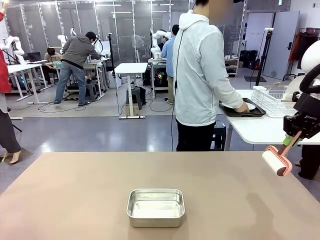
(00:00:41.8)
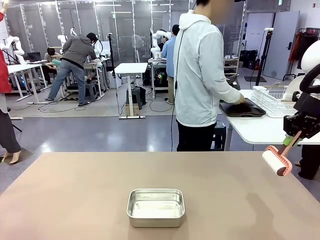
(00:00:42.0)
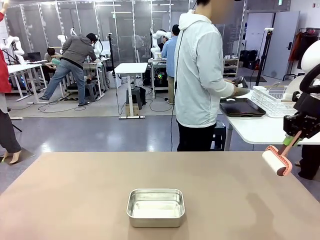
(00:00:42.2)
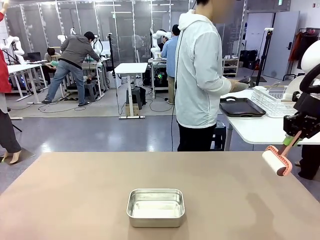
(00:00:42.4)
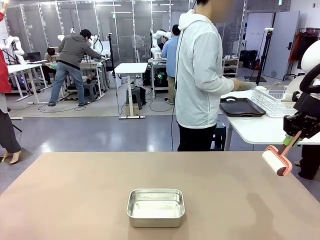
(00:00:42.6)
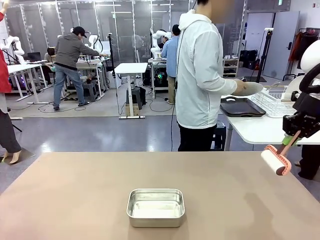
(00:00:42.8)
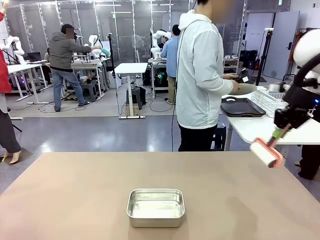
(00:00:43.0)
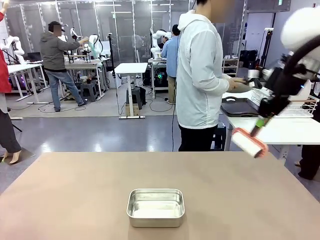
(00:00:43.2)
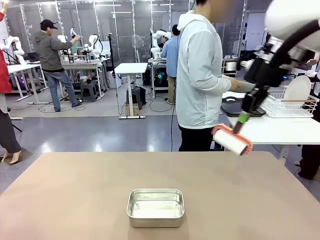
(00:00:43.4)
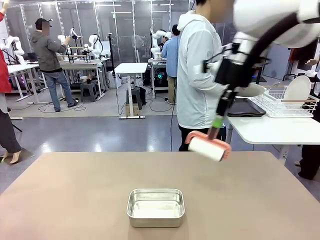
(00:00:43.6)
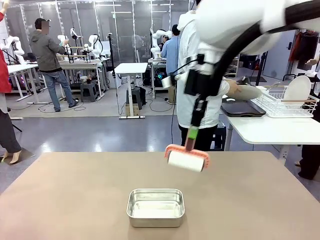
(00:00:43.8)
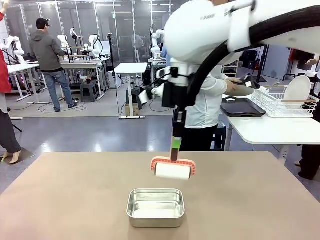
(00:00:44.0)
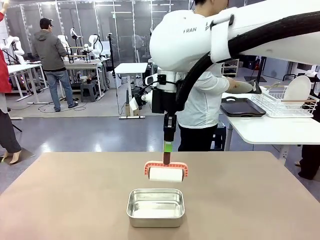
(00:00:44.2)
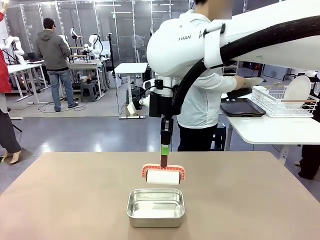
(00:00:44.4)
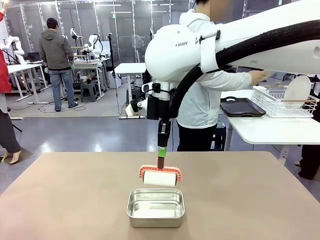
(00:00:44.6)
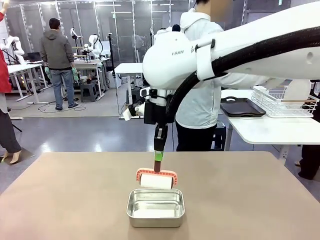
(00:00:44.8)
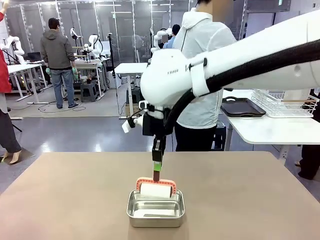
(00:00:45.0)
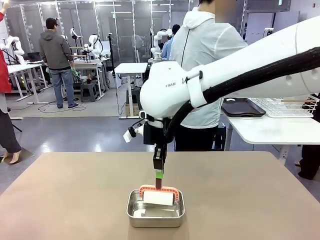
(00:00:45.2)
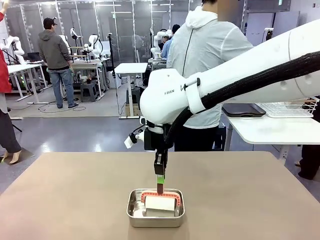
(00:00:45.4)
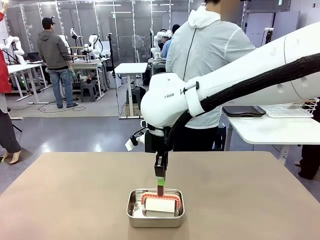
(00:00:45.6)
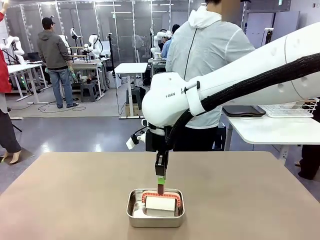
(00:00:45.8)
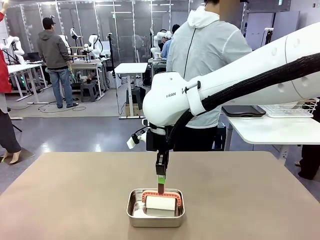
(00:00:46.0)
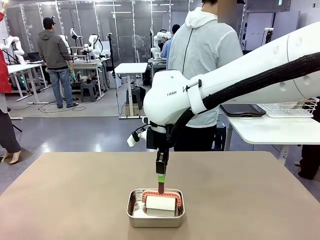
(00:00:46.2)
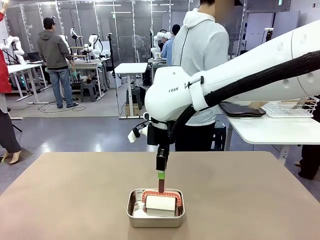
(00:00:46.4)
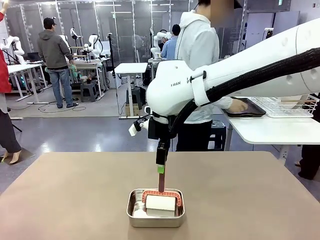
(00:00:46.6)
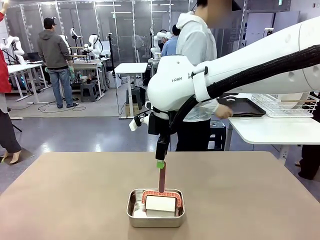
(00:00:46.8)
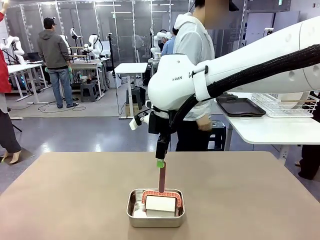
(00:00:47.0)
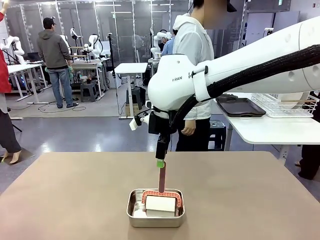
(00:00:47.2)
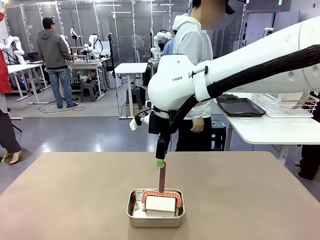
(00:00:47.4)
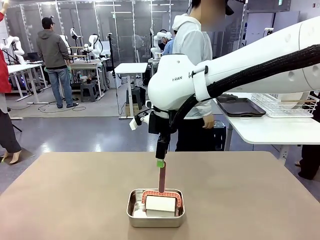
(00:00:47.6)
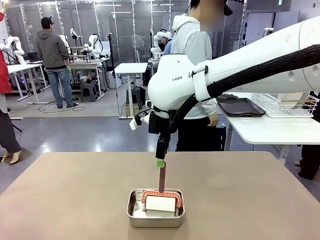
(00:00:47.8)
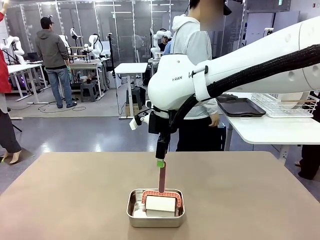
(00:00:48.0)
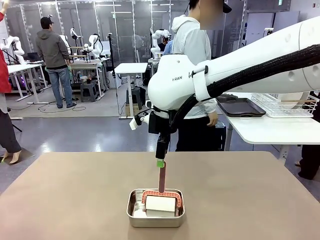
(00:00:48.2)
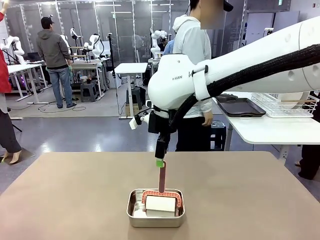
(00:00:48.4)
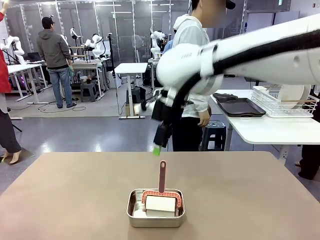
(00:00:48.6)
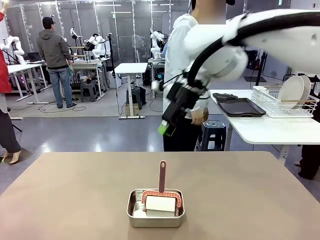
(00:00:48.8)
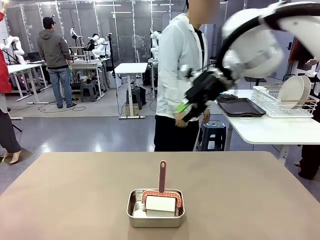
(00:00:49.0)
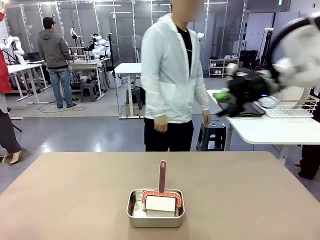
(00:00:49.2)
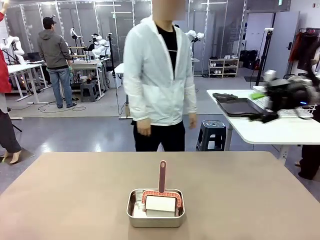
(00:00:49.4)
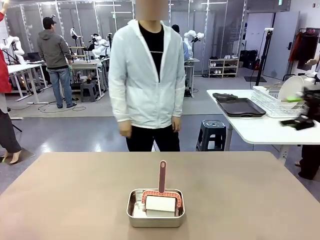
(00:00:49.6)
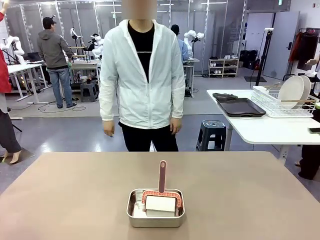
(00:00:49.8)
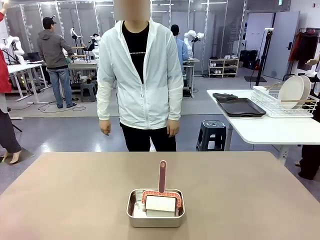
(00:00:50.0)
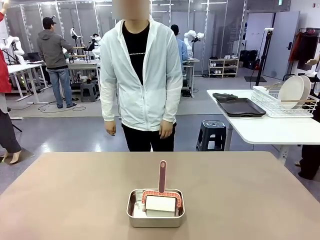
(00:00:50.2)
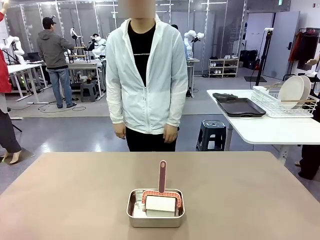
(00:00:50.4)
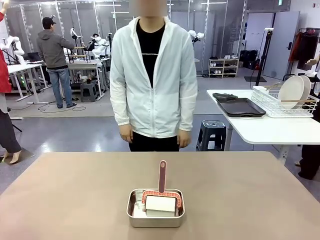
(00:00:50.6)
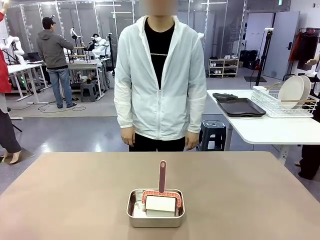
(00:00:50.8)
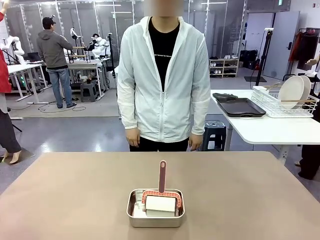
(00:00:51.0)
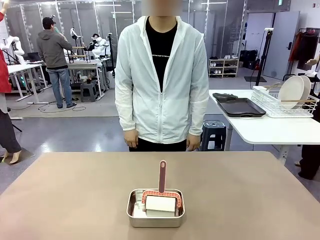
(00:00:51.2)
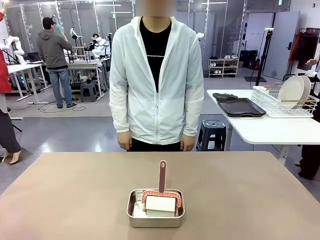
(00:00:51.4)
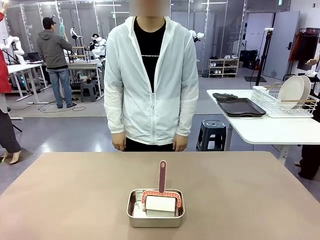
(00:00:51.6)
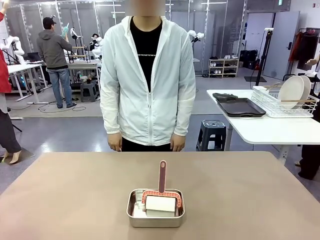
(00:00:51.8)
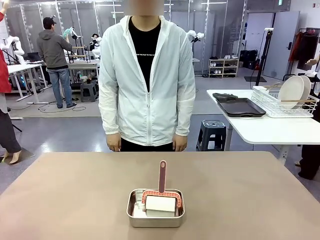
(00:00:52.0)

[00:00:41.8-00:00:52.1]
Robot: Place the Lint Roller back on top of the Airtight Container.
Person: Use the Towel with hook to wipe the Plastic Matte Plate , Fork , and Knife and place into the Dish drying rack.

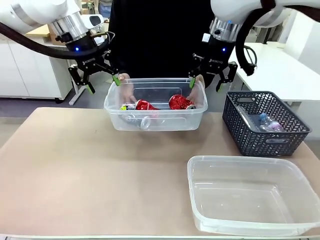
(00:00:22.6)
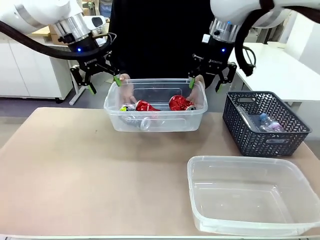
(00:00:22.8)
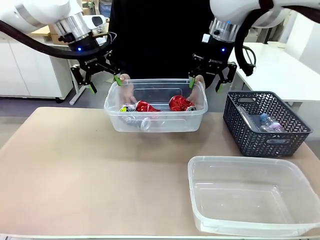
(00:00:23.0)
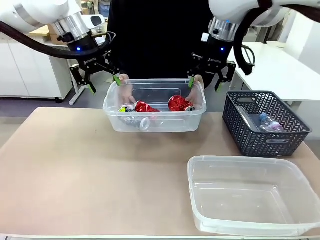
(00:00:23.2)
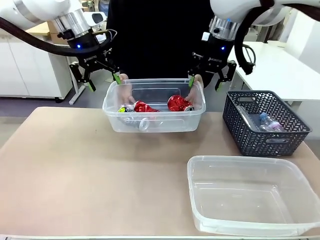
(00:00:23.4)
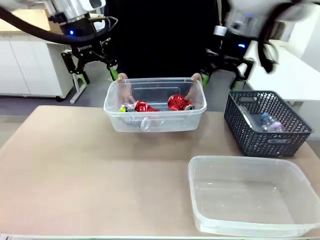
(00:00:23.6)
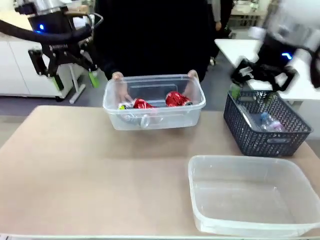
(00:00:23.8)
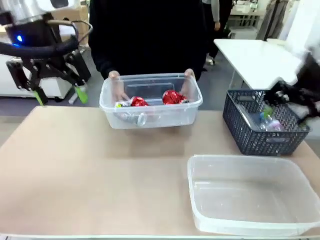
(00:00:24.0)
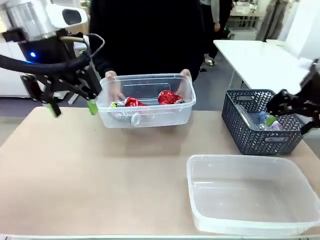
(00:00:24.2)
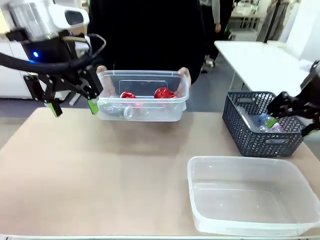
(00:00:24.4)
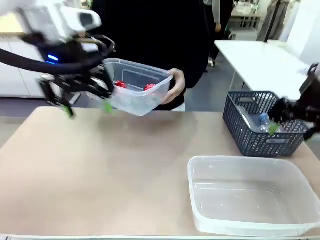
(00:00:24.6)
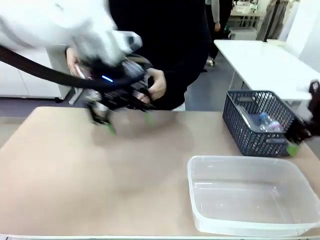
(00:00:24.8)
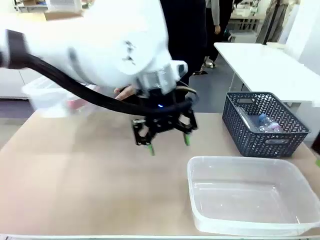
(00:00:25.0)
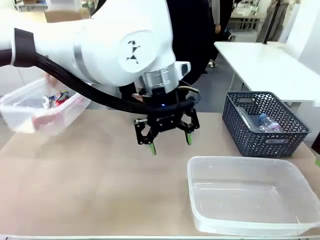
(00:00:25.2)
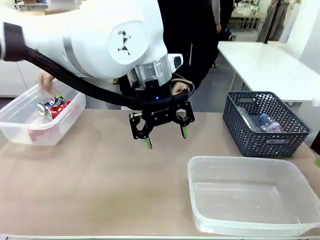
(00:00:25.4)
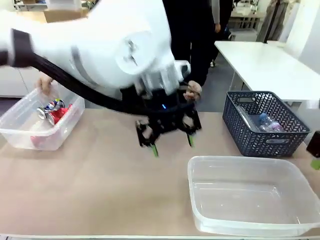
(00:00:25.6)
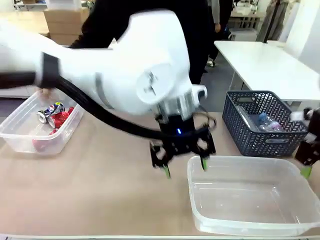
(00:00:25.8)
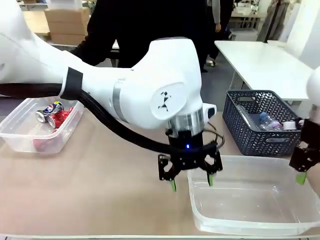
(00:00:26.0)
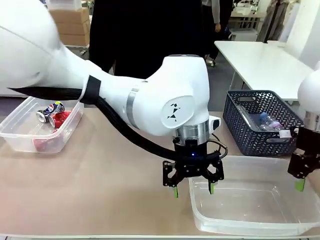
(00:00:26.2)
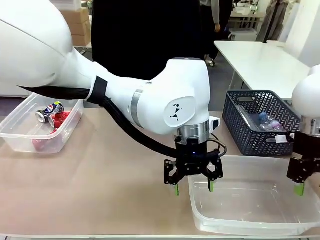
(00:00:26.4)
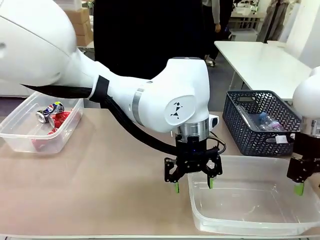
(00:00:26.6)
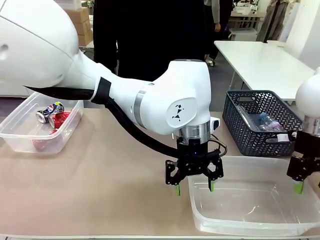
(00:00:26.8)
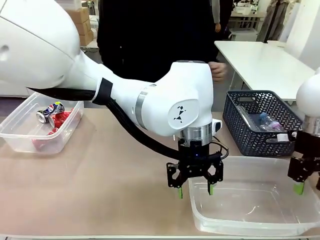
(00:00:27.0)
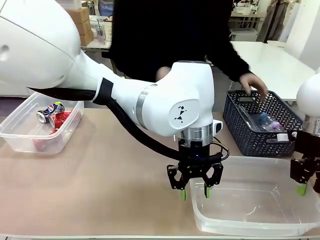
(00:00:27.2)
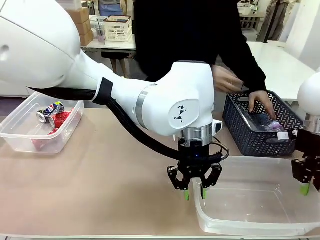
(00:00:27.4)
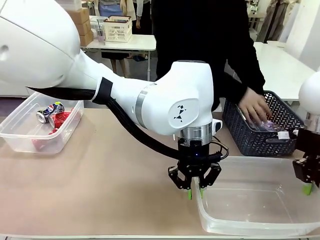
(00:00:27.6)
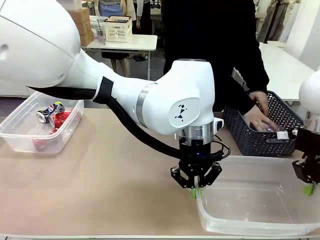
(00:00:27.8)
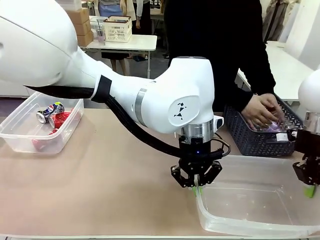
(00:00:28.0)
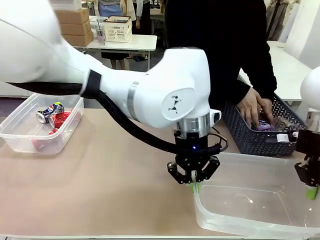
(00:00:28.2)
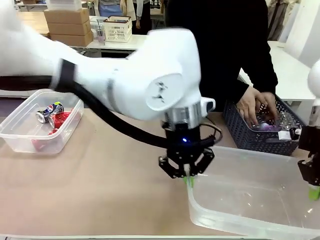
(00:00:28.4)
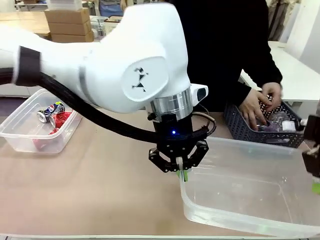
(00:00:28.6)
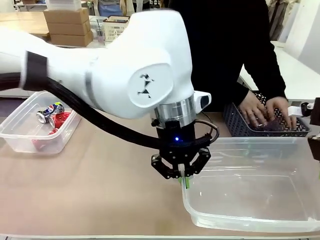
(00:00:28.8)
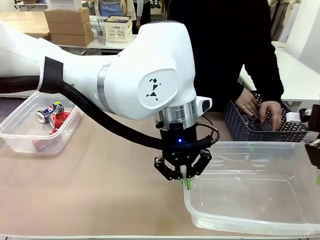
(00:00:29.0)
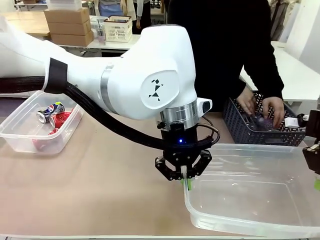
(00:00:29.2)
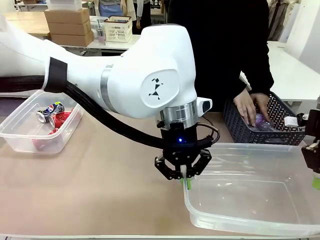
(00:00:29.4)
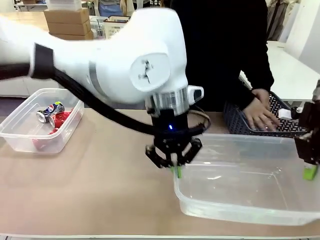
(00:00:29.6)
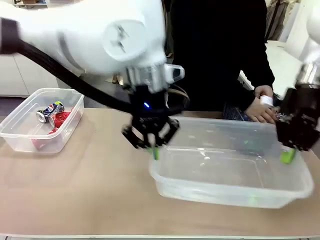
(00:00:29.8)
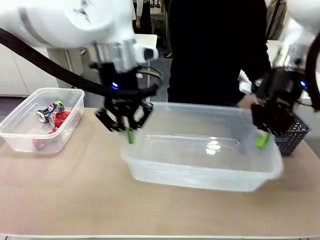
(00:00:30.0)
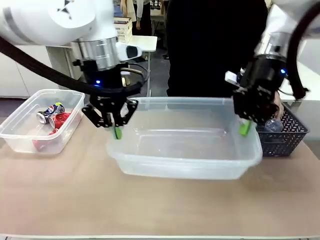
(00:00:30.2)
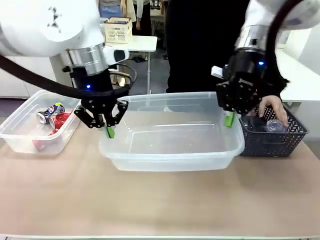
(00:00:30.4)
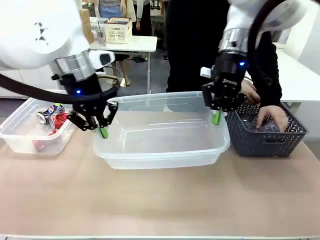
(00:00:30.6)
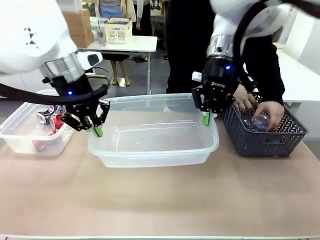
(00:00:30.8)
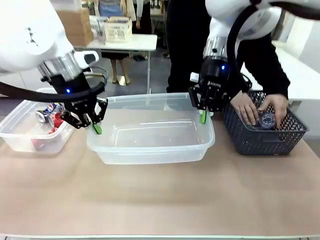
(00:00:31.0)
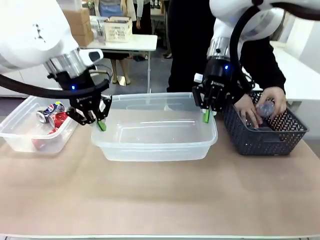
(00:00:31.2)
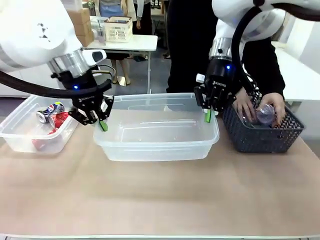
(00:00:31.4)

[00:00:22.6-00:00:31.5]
Robot: Pick up the Organizing box on the right side of the table and lift it.
Person: Place it at the edge of the bottom right area of the robot table.
